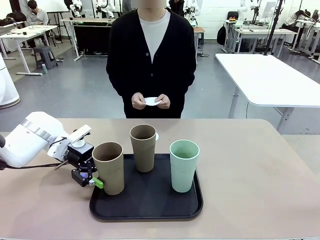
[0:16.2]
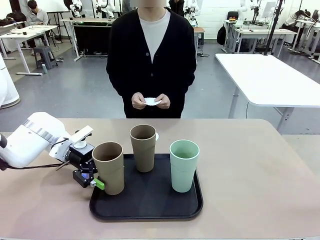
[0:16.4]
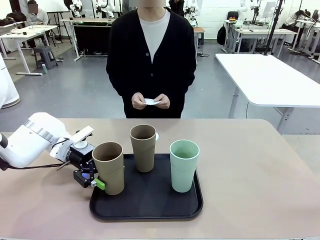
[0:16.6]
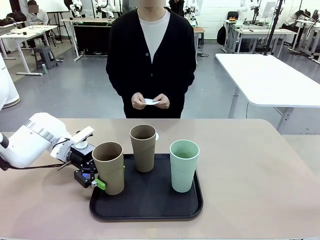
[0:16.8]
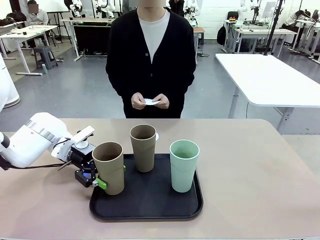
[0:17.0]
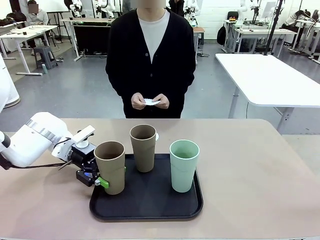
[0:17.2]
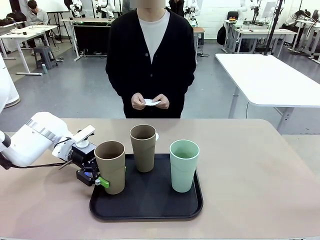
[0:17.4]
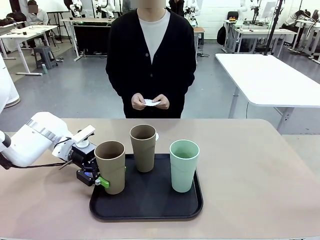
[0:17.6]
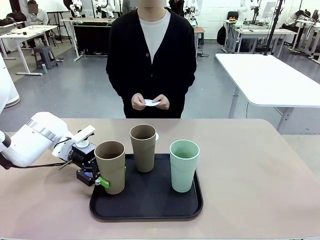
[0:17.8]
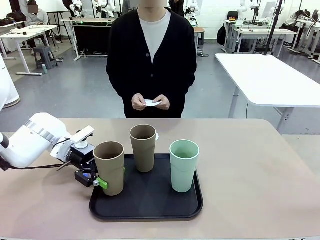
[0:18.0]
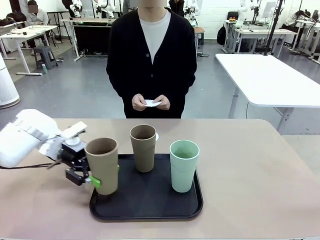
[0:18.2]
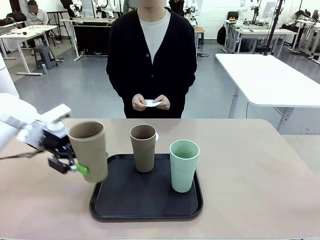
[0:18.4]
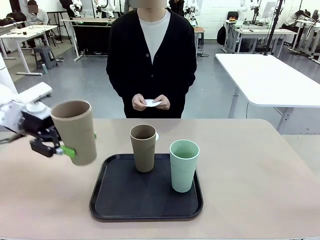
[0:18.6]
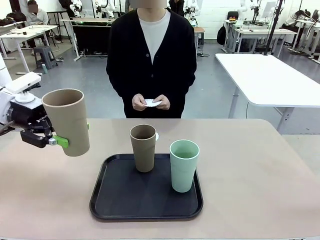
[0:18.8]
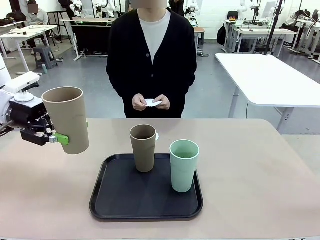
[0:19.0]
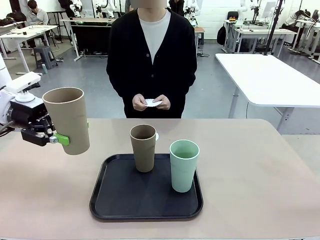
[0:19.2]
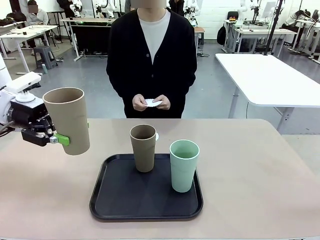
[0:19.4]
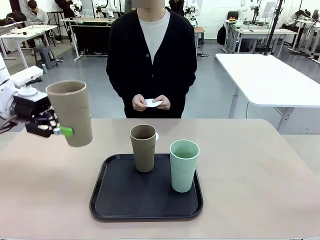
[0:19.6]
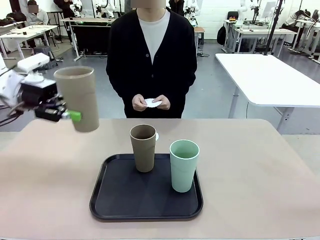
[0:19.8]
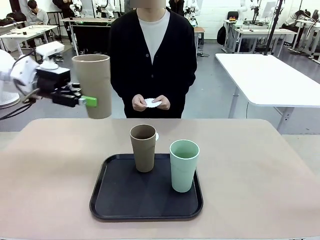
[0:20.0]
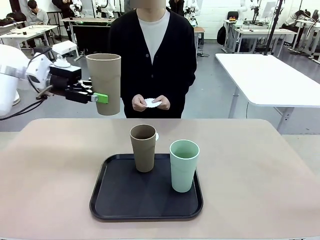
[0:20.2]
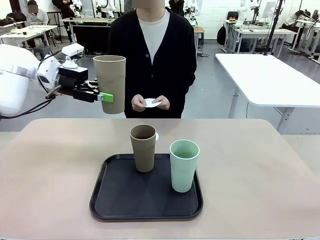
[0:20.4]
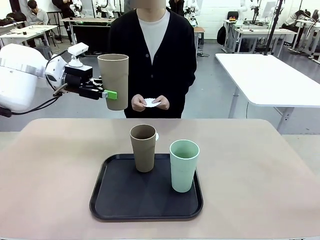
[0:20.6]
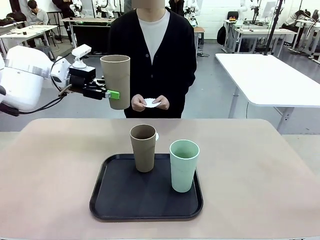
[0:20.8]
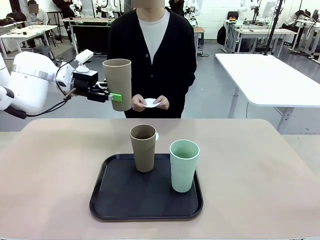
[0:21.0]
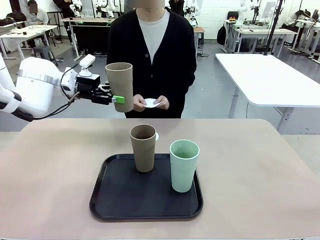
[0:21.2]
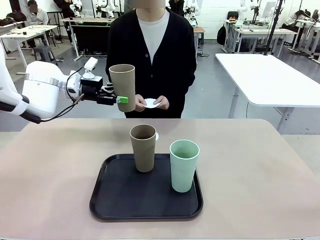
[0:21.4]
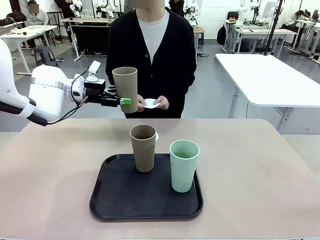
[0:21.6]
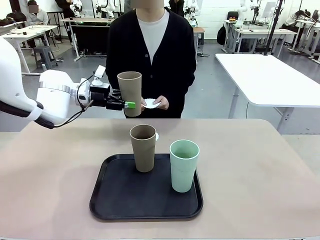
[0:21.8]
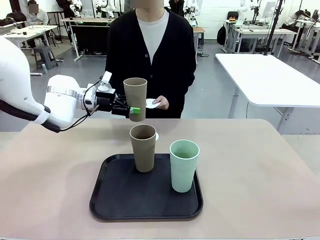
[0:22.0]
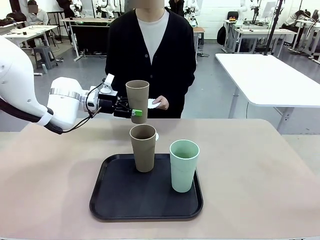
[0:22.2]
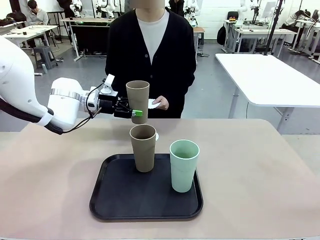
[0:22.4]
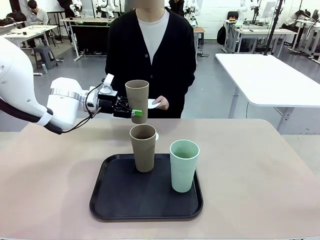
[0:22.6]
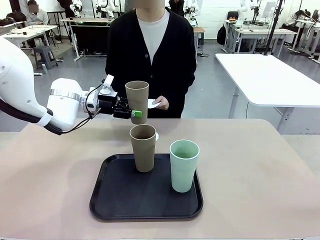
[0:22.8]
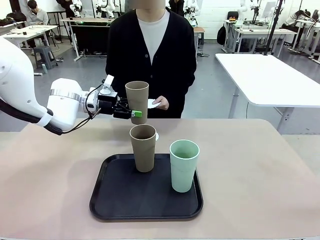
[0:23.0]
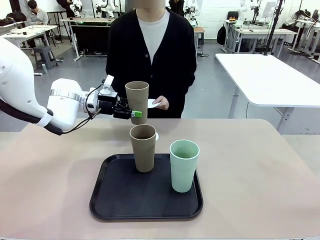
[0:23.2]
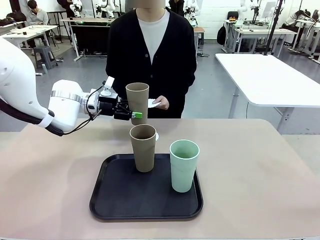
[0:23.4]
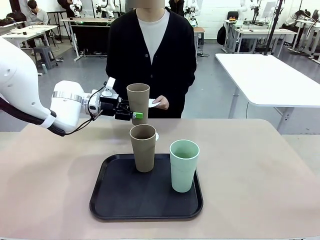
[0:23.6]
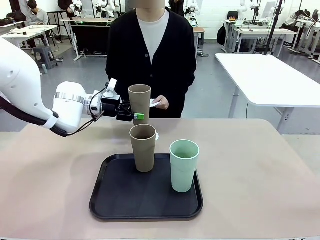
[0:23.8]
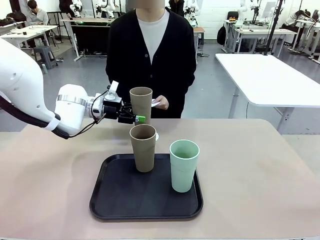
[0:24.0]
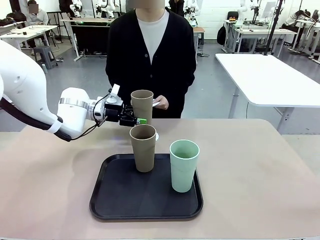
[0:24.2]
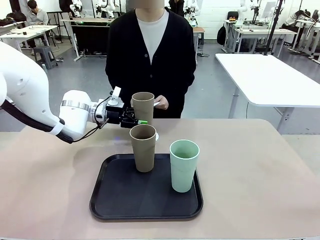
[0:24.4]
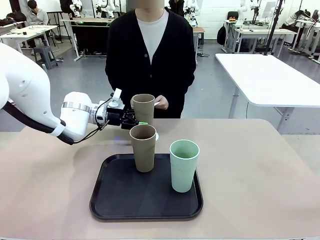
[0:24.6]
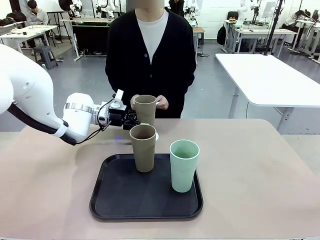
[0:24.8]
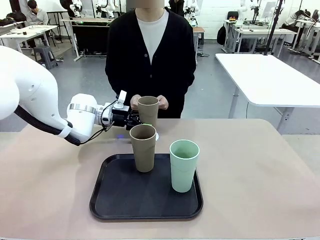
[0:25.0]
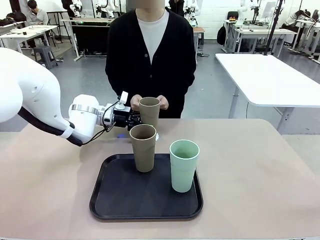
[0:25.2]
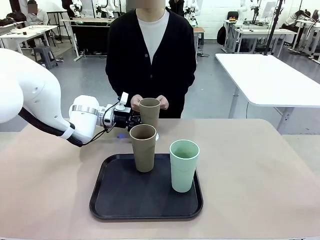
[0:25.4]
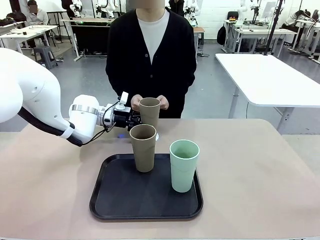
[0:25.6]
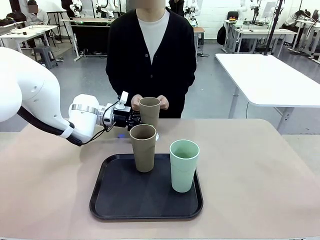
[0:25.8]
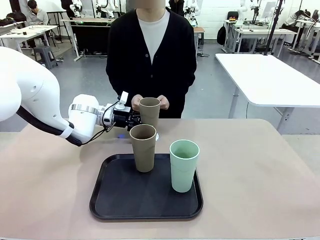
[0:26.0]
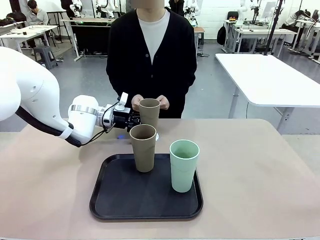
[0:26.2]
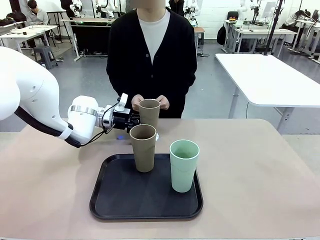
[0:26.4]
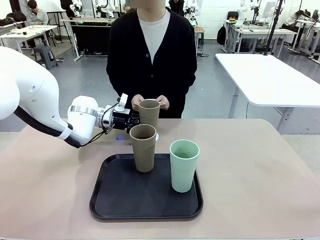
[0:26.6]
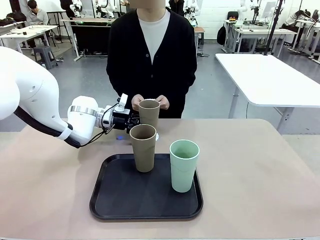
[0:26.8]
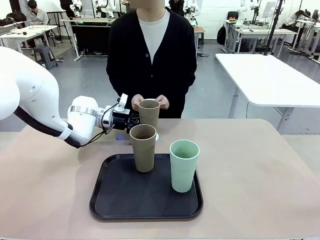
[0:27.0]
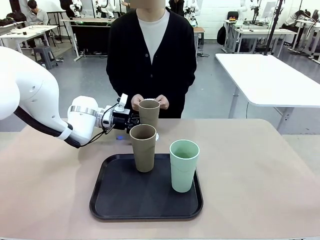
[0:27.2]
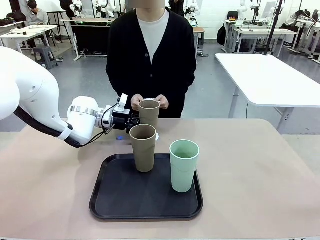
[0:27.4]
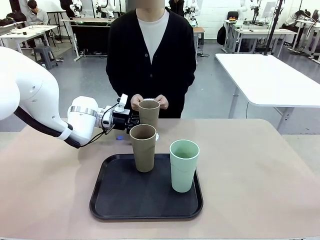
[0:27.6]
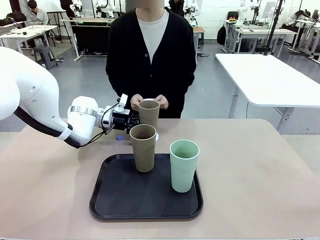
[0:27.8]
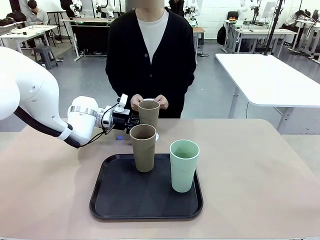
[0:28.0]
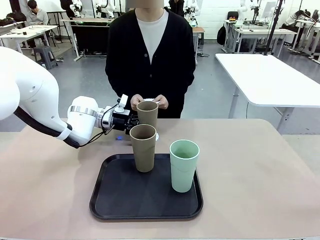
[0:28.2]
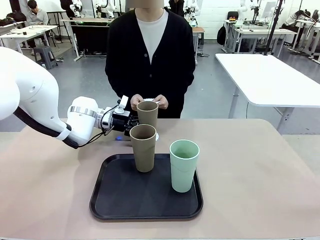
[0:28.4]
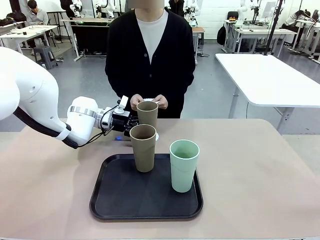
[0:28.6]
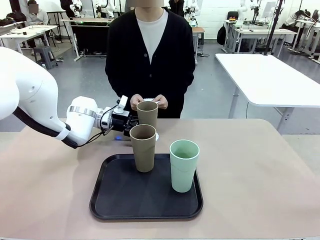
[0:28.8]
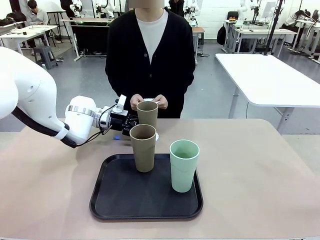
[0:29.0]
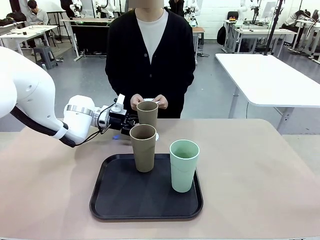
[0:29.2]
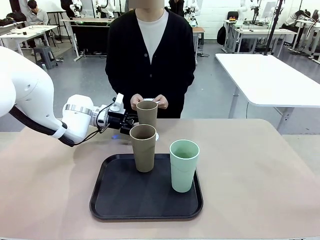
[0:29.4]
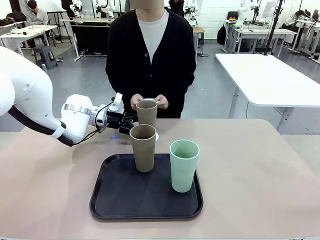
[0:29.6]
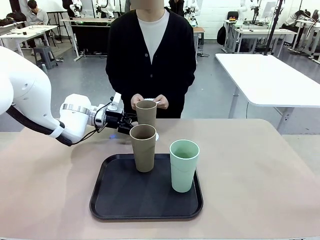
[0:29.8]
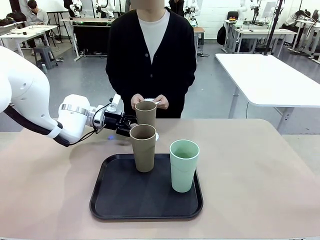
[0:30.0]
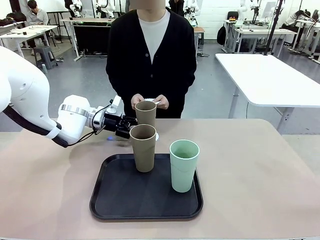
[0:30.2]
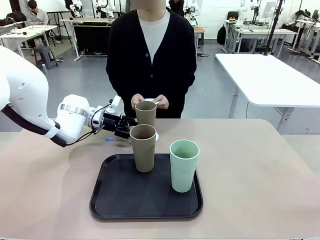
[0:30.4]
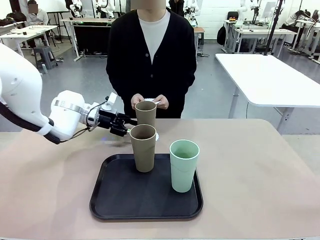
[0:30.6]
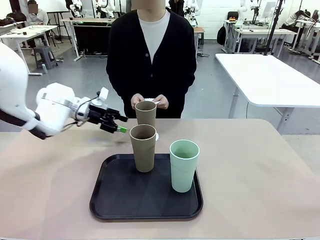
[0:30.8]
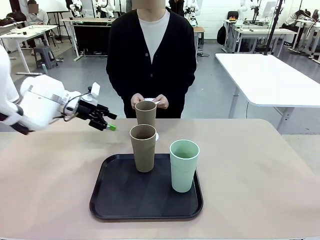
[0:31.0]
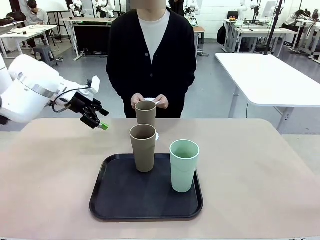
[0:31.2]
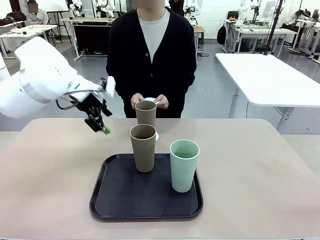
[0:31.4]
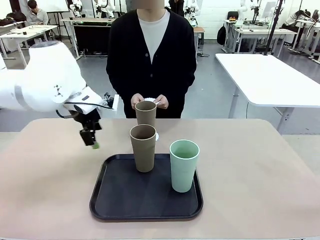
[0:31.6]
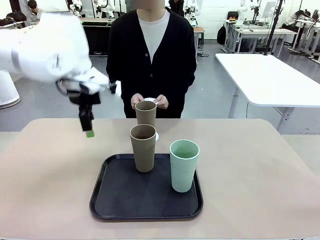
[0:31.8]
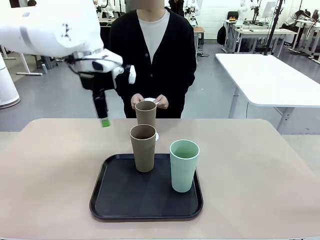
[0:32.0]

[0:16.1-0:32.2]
Task: Place coasters on the table and set cups on them.
Robot: Pick up one Reusable plastic cup and place it on a coaster set by the human.
Person: Place one coaster in one of the two areas excluding the previously selected area.
